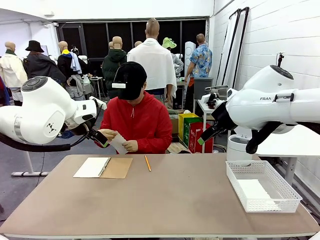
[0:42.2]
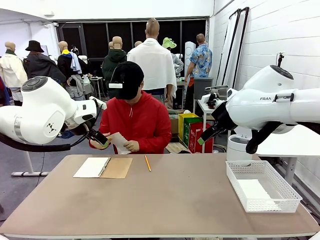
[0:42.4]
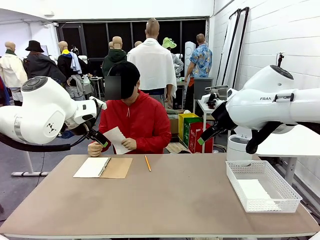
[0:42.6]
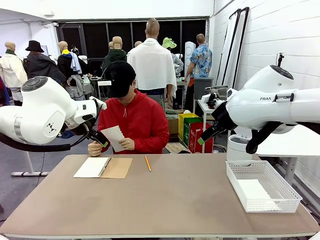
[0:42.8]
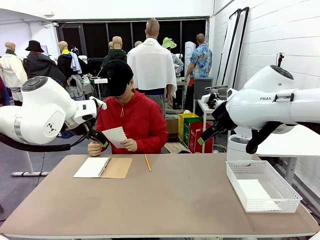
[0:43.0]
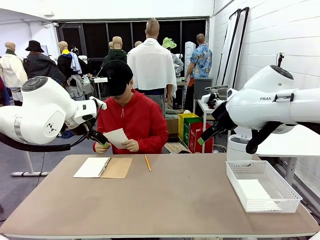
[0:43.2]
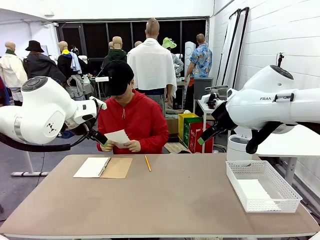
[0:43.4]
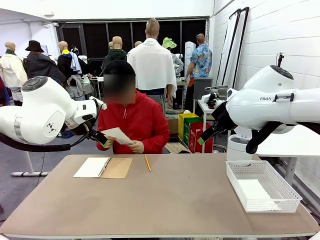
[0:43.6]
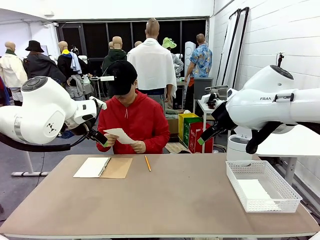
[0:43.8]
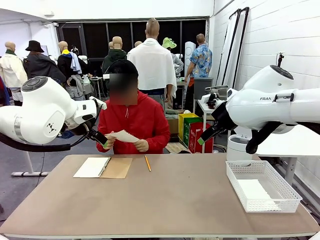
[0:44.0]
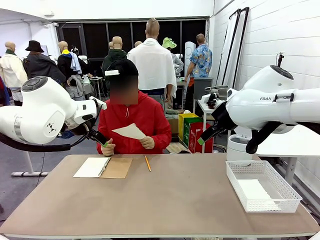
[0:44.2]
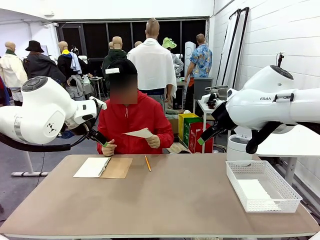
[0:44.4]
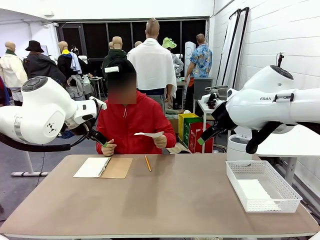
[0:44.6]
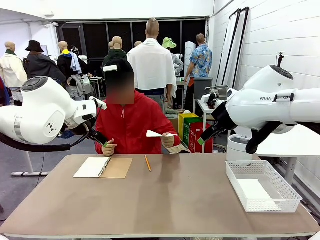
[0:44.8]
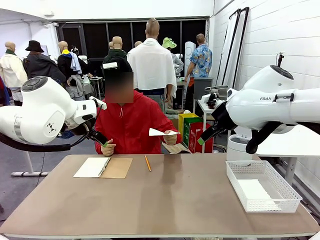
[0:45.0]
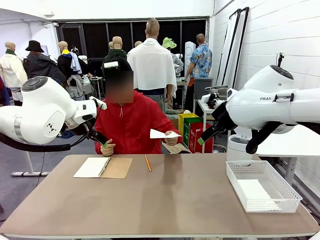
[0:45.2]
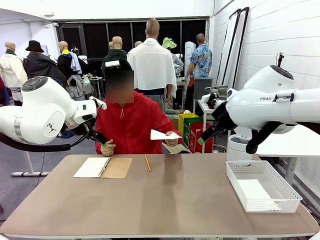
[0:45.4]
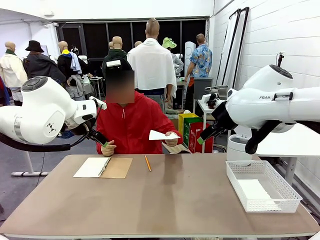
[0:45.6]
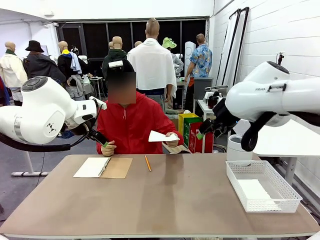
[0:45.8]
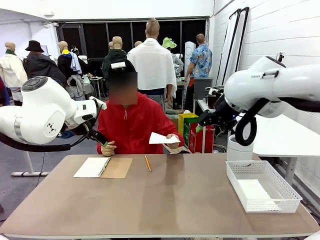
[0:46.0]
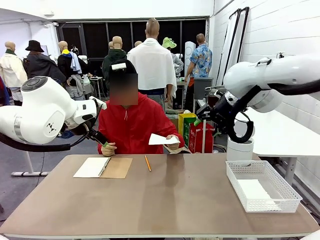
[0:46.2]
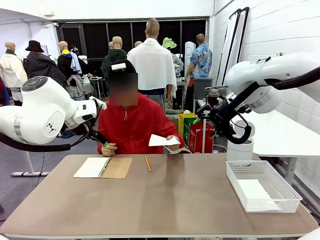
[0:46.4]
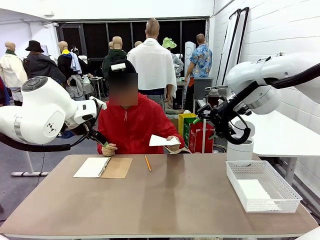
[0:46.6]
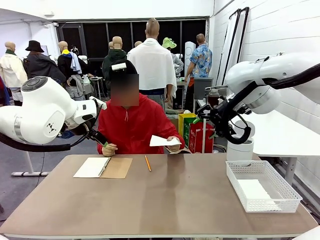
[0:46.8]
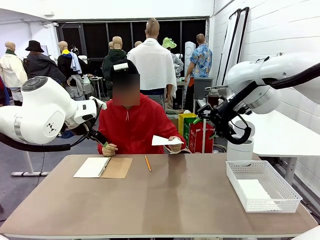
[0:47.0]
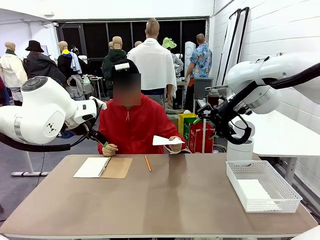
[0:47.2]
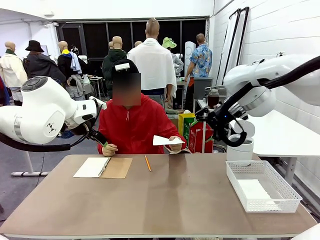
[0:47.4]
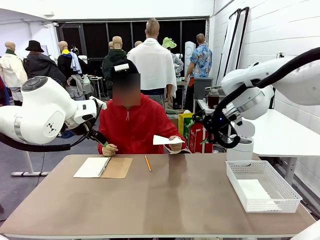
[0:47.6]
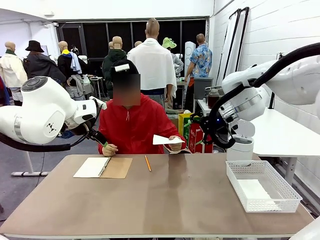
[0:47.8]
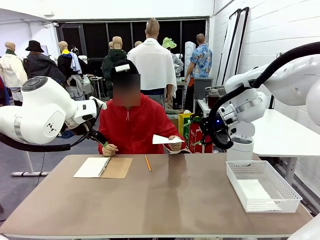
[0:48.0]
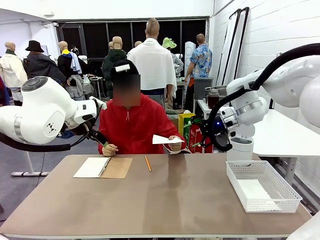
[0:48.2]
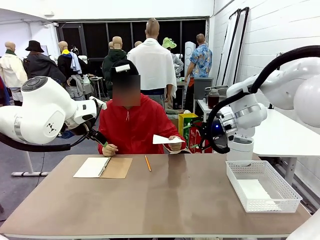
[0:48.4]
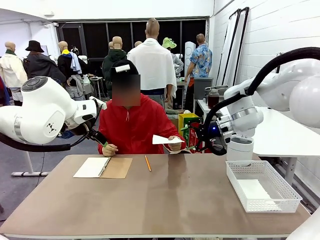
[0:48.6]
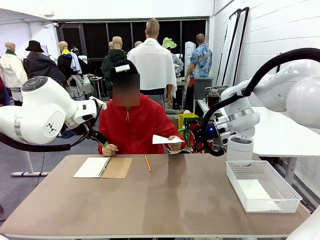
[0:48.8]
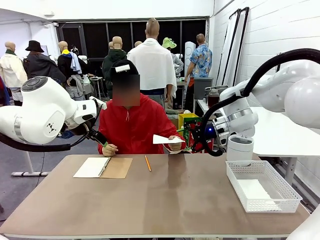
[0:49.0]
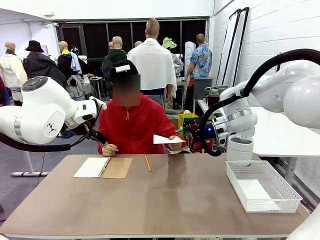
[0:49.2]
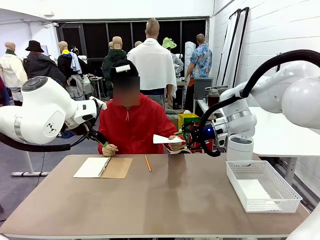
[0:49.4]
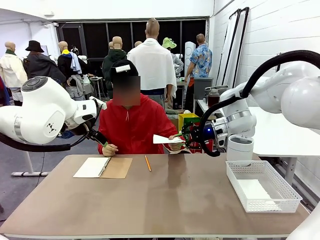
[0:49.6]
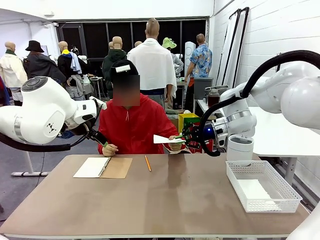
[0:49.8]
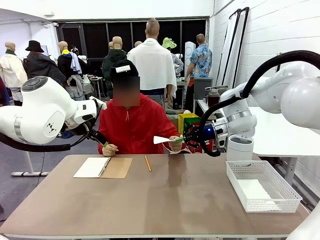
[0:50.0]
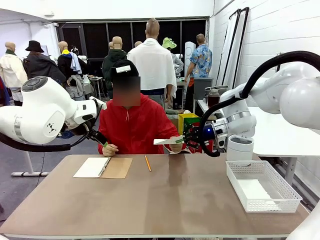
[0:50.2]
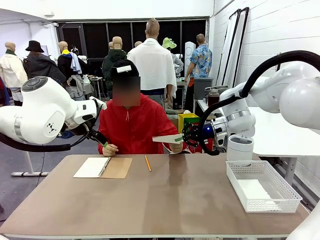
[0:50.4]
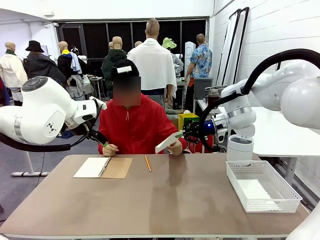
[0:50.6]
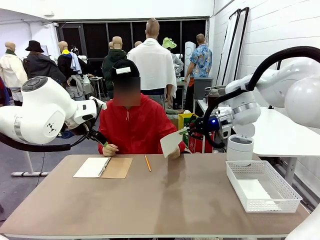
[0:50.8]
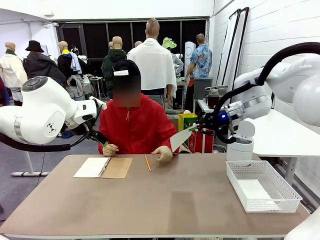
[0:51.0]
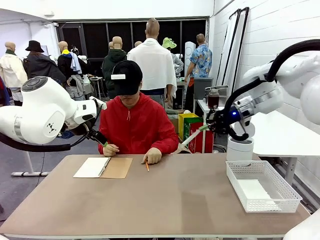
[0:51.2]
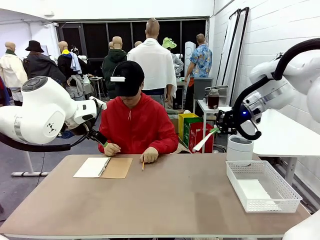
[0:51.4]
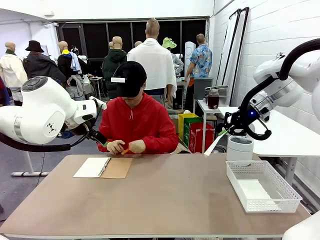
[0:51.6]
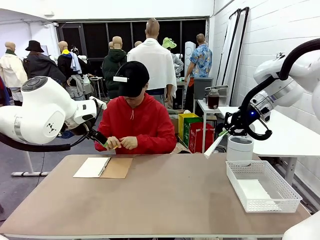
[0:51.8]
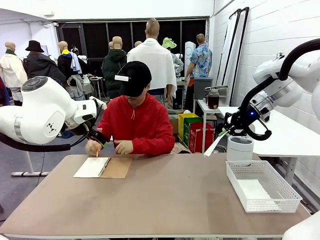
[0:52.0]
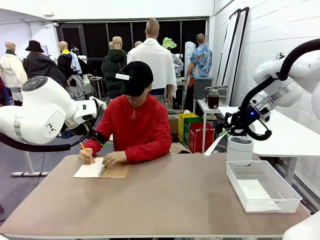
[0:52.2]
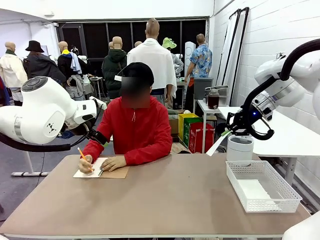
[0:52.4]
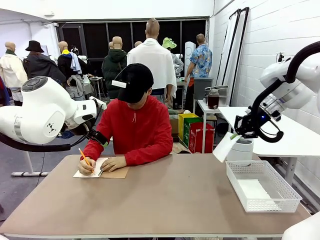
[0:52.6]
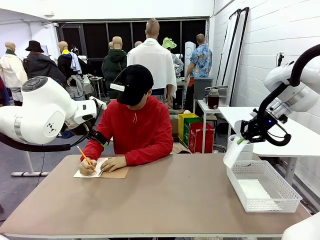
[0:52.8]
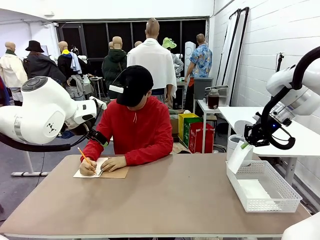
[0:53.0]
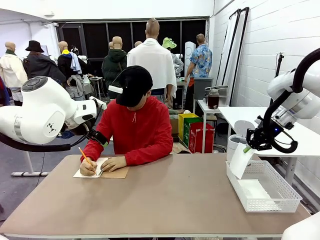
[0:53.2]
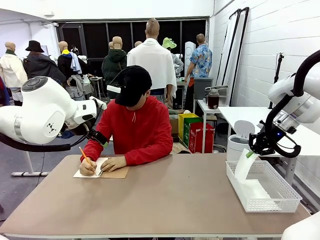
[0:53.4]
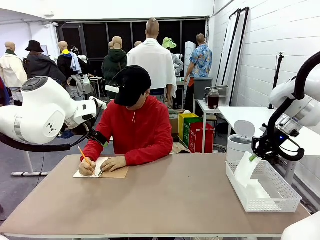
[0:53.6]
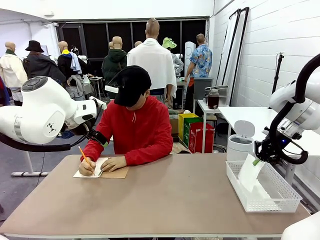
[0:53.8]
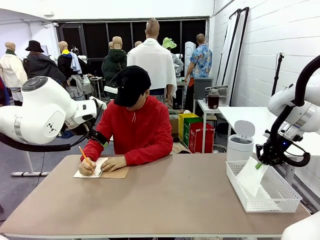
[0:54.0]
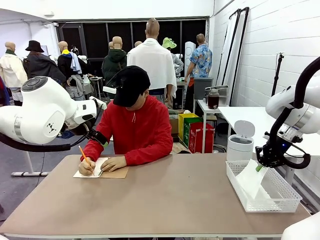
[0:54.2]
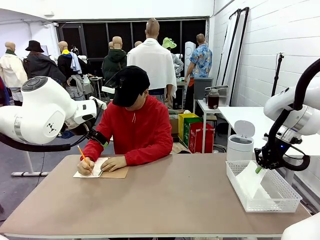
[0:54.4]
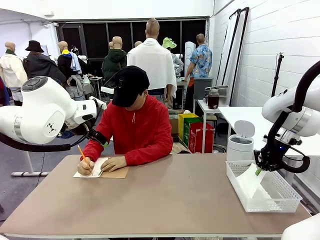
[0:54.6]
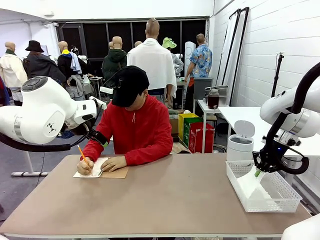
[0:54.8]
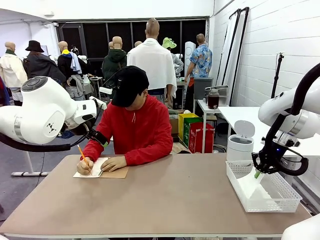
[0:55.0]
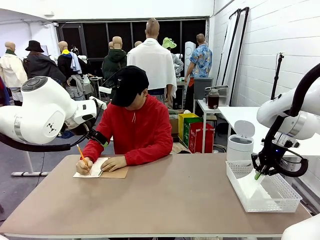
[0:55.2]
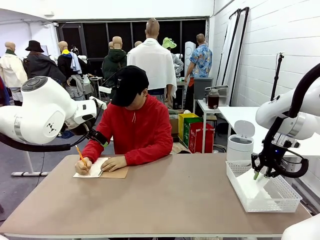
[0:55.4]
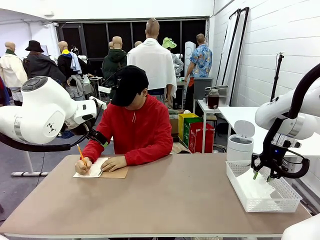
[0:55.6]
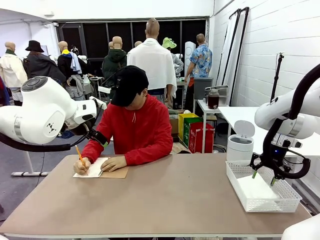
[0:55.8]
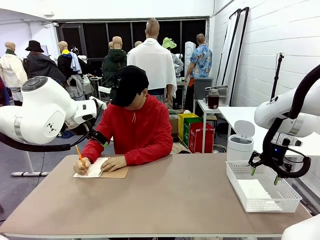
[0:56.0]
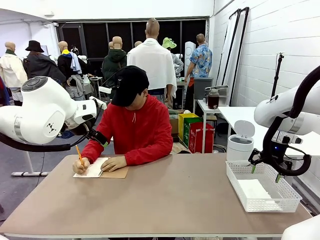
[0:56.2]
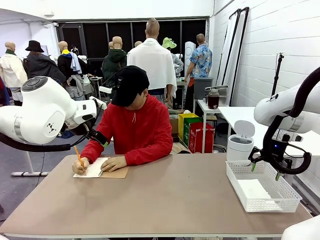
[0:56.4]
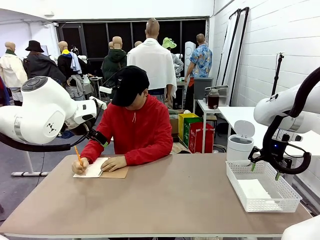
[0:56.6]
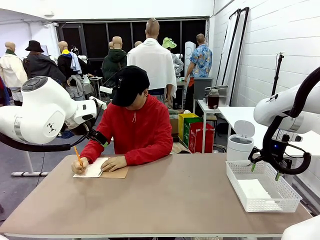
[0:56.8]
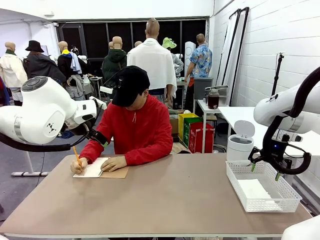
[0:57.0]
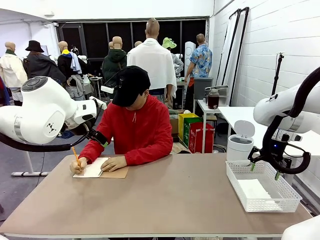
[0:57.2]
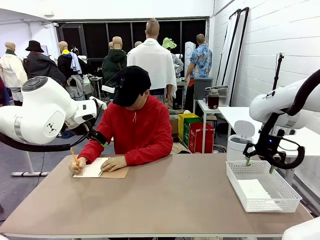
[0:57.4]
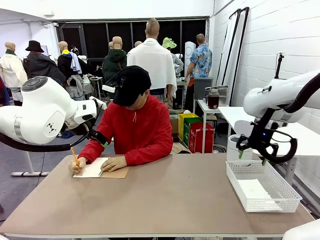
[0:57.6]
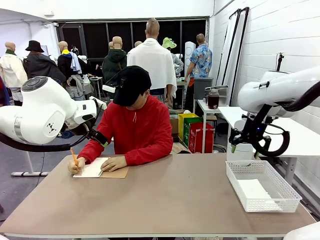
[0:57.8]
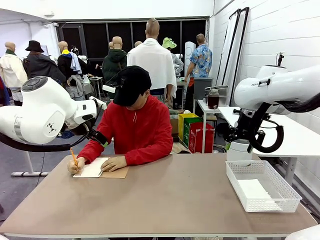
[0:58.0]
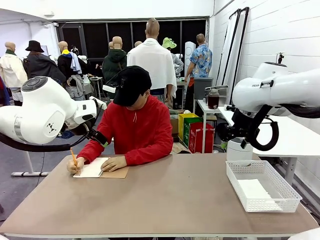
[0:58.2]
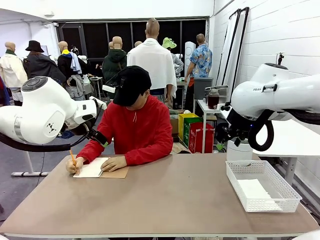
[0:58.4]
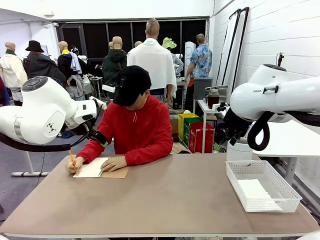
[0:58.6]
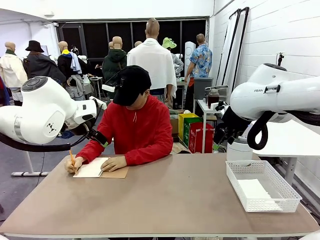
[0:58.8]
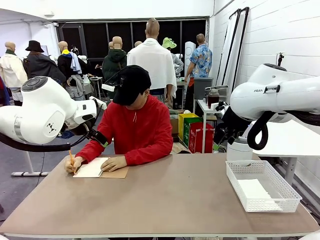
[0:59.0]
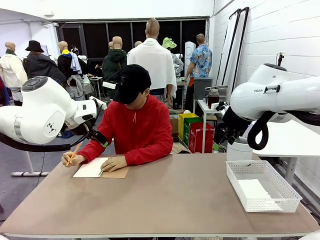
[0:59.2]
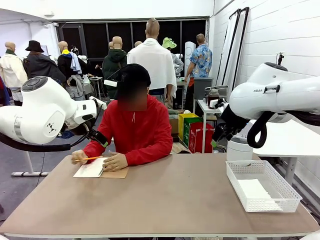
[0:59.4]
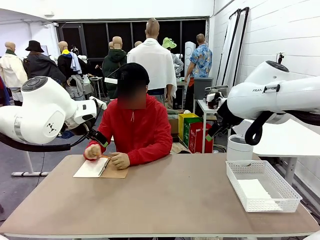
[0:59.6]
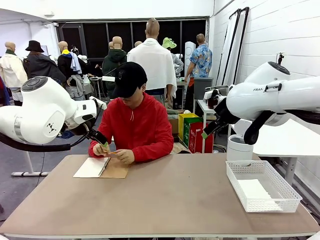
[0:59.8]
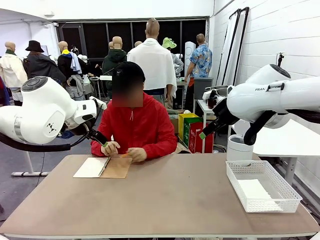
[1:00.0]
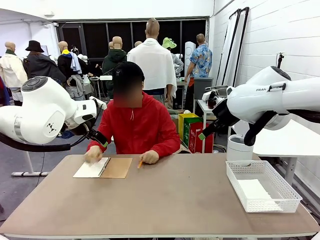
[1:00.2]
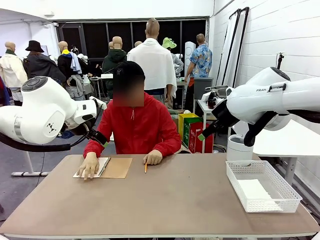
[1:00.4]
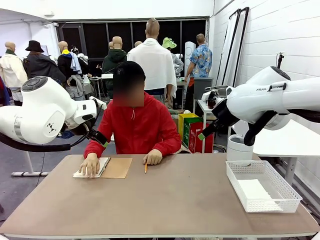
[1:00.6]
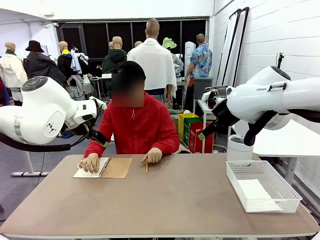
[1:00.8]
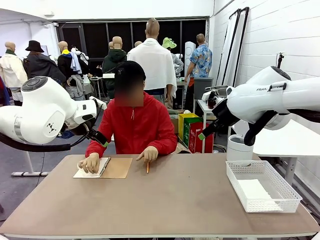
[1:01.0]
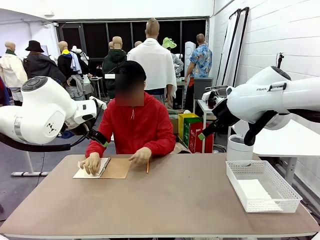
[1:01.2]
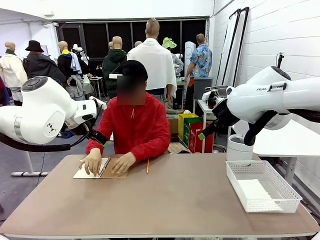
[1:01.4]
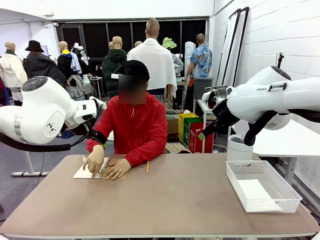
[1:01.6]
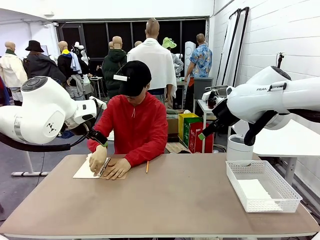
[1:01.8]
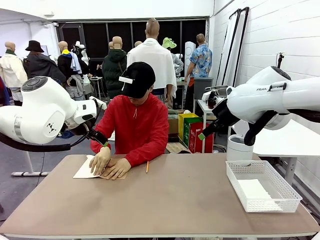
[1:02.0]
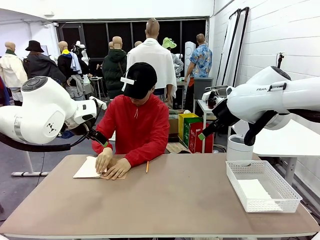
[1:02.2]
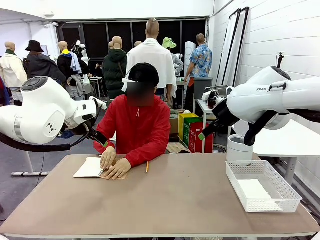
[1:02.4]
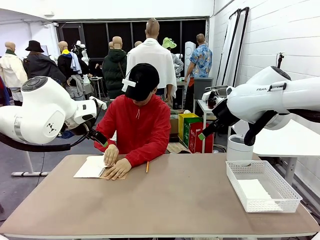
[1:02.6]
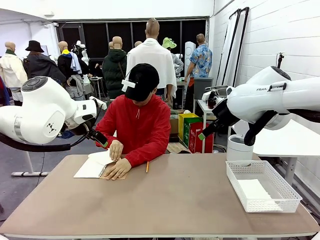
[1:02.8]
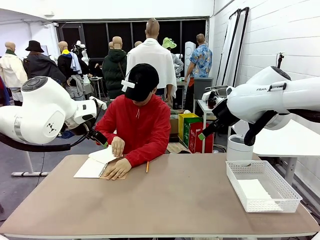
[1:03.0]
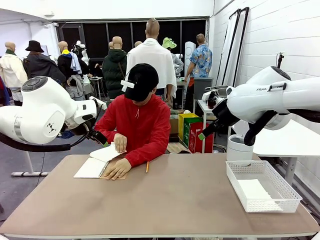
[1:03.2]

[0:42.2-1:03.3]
Task: Sort the paper based on its condition.
Robot: If a person hands you a paper, place it in the Organizing basket , and if it's crumpled, put it in the Trash can.
Person: Hand the torn page to the robot or crumple it and throw it to the center of the table. Tear out a page from the spiral notebook.
